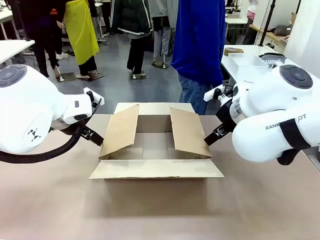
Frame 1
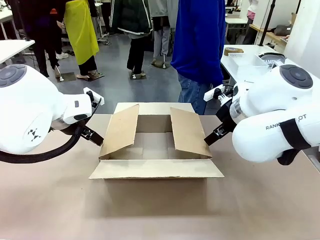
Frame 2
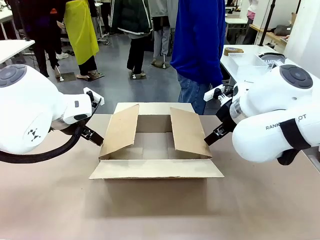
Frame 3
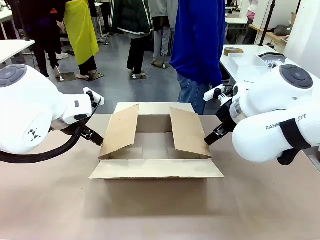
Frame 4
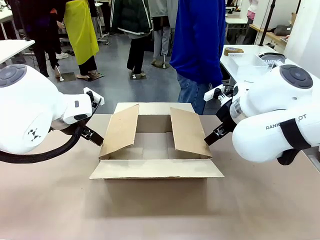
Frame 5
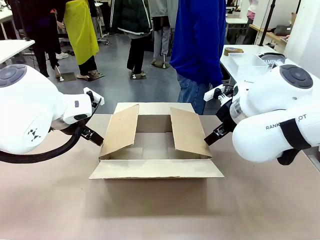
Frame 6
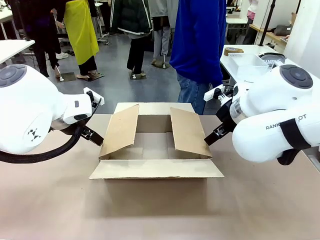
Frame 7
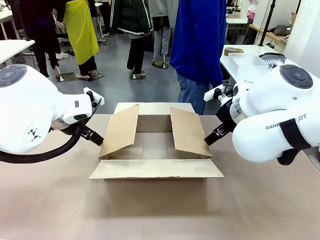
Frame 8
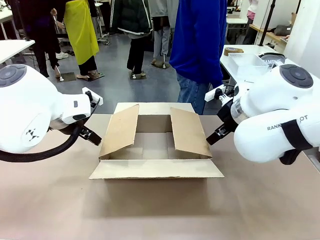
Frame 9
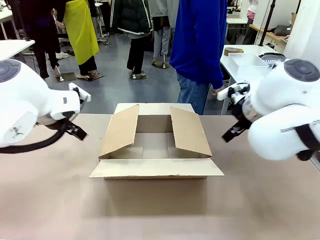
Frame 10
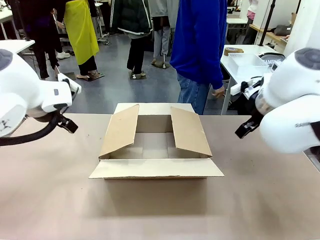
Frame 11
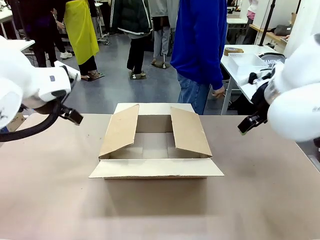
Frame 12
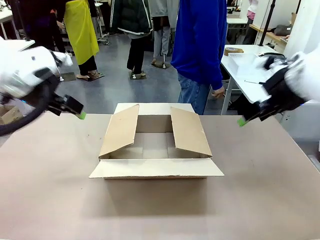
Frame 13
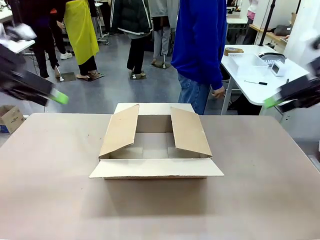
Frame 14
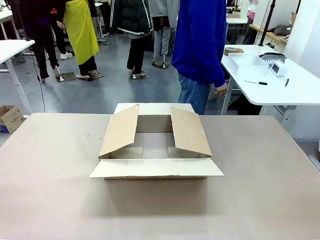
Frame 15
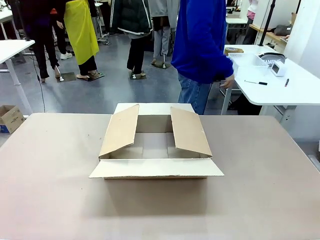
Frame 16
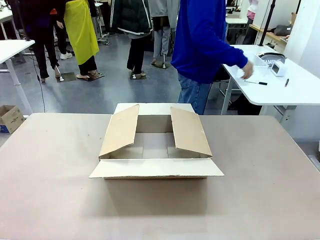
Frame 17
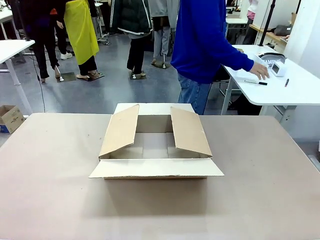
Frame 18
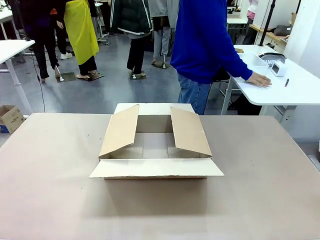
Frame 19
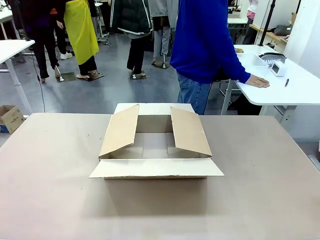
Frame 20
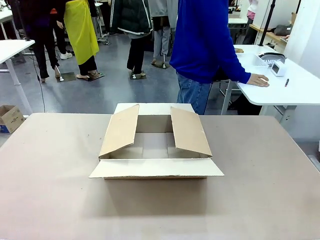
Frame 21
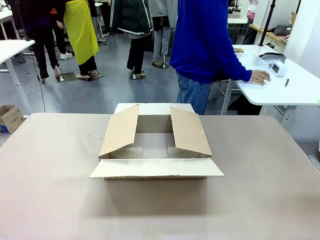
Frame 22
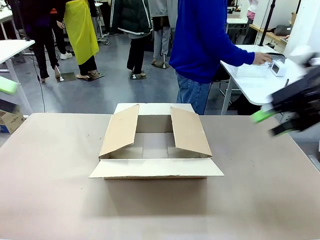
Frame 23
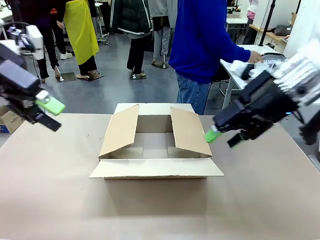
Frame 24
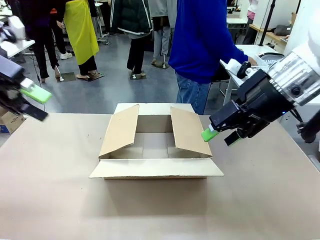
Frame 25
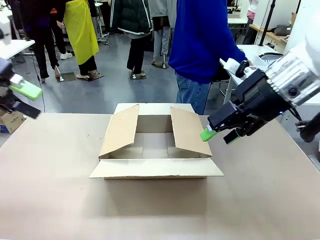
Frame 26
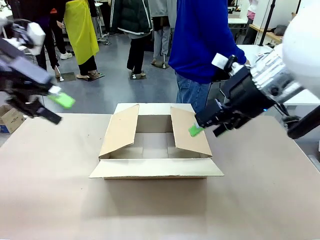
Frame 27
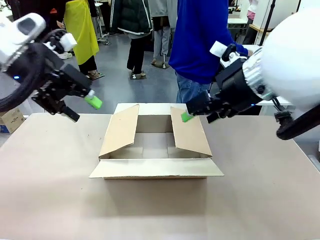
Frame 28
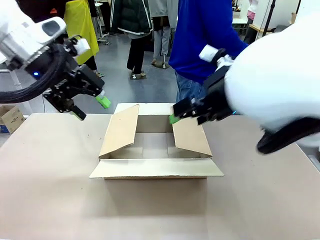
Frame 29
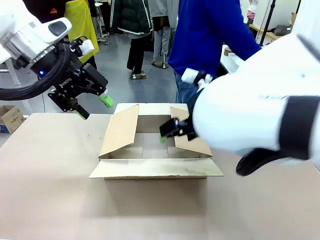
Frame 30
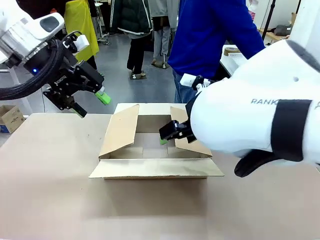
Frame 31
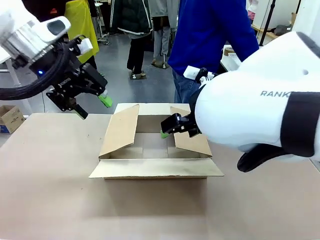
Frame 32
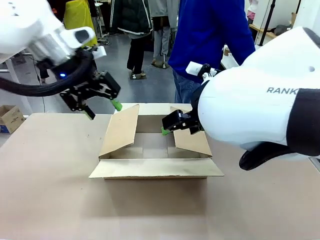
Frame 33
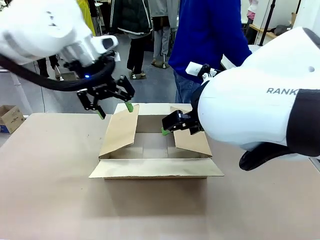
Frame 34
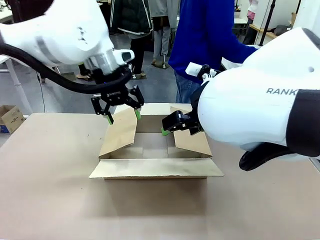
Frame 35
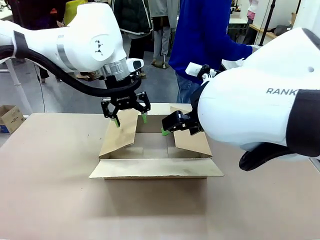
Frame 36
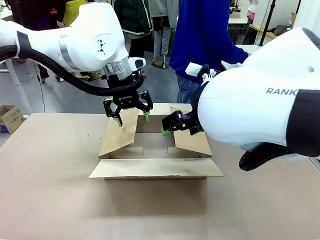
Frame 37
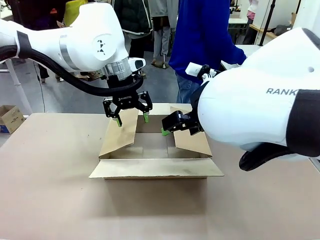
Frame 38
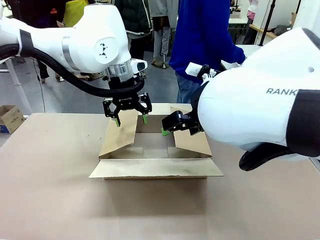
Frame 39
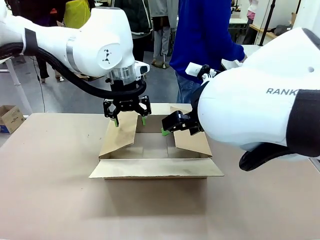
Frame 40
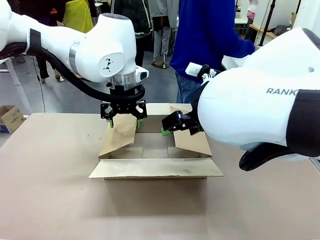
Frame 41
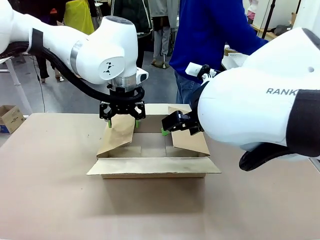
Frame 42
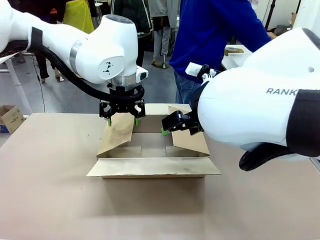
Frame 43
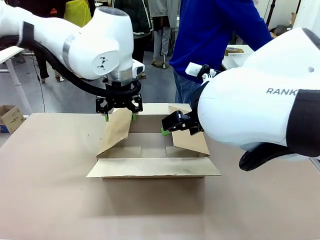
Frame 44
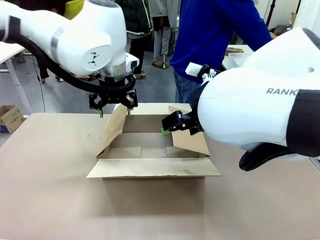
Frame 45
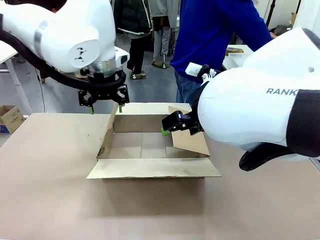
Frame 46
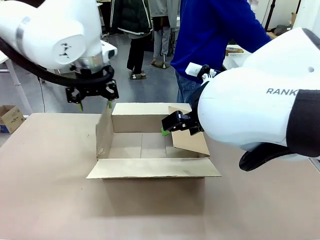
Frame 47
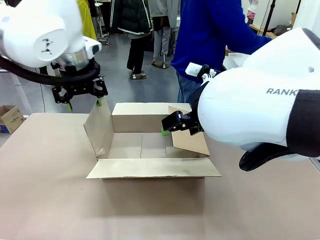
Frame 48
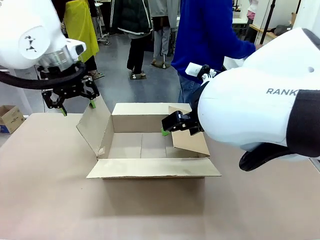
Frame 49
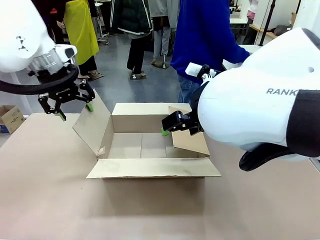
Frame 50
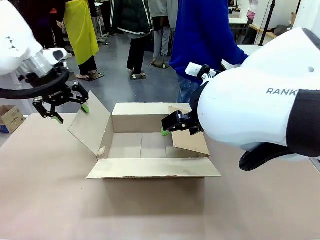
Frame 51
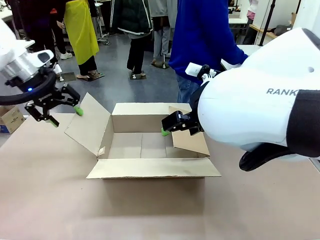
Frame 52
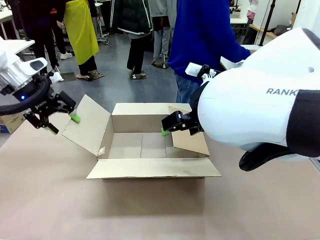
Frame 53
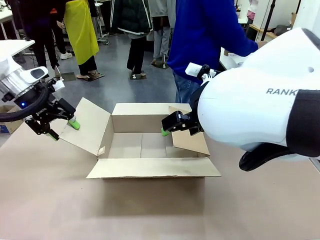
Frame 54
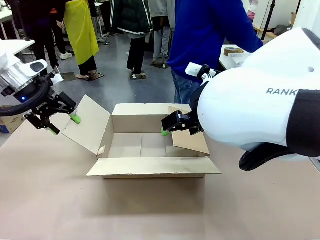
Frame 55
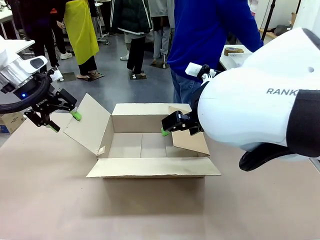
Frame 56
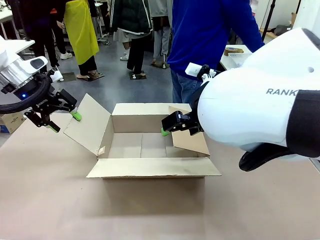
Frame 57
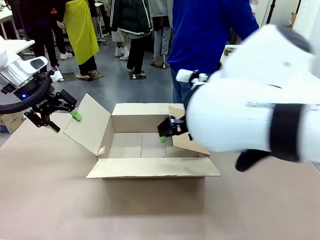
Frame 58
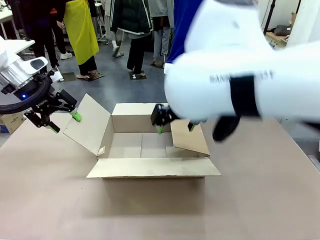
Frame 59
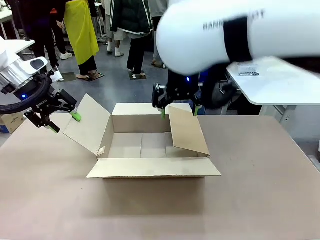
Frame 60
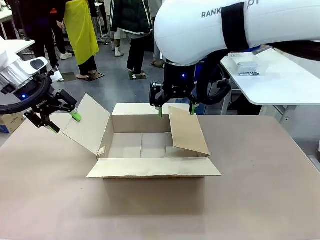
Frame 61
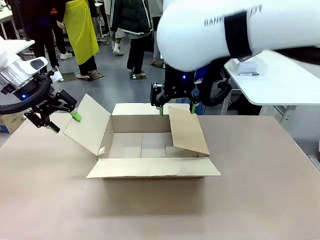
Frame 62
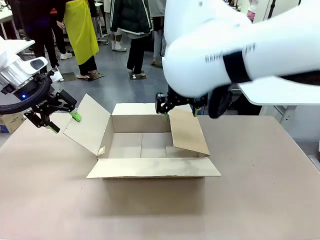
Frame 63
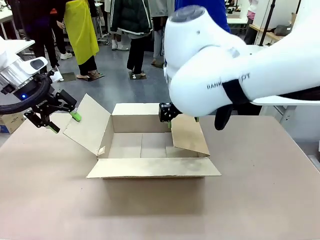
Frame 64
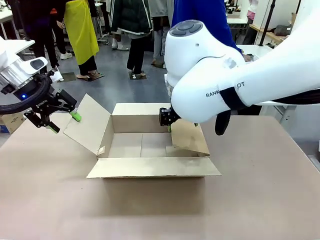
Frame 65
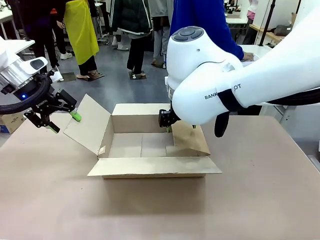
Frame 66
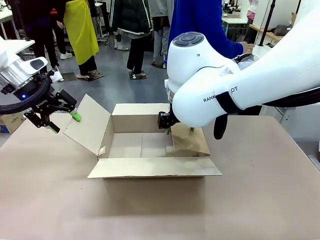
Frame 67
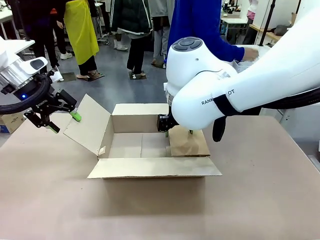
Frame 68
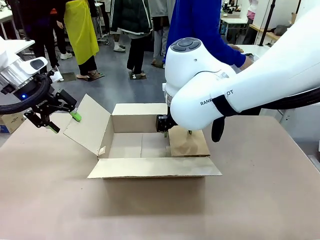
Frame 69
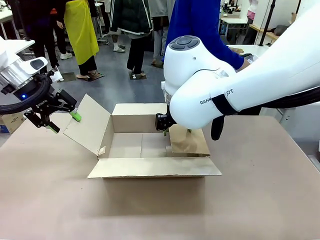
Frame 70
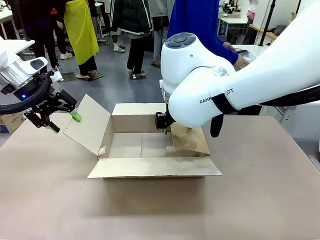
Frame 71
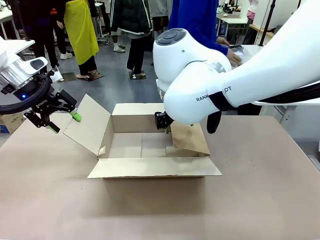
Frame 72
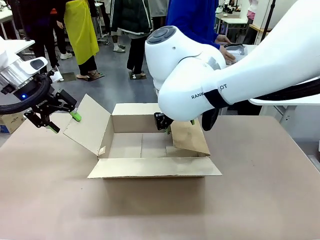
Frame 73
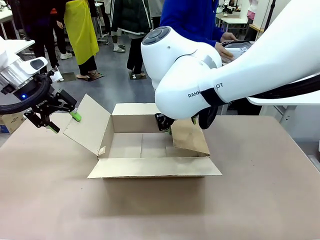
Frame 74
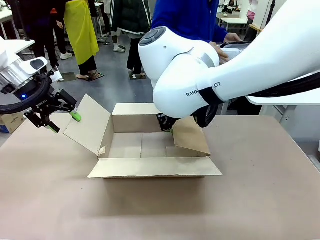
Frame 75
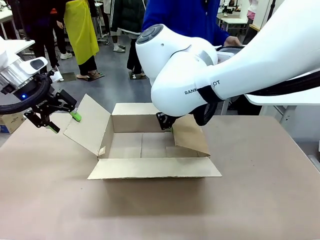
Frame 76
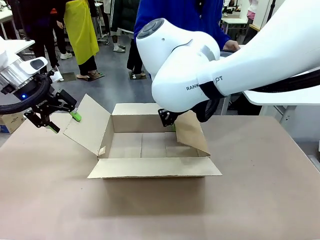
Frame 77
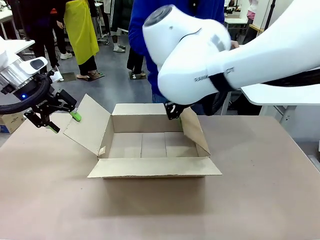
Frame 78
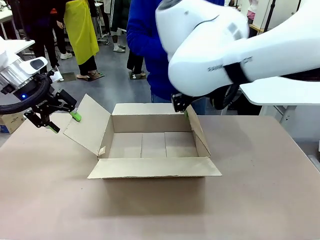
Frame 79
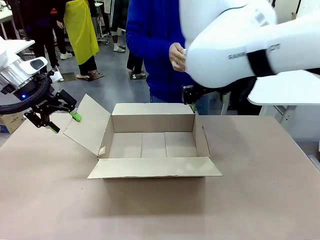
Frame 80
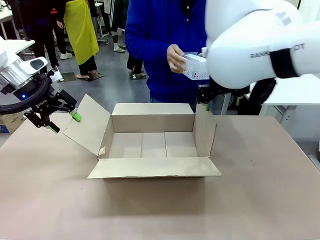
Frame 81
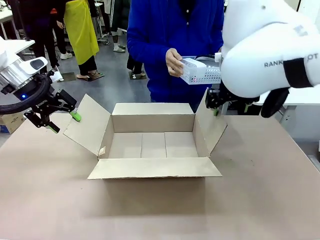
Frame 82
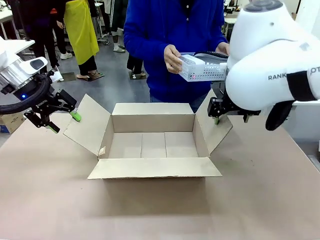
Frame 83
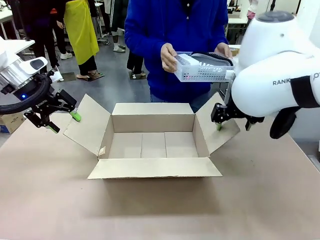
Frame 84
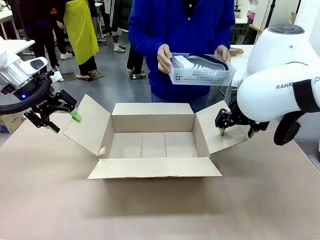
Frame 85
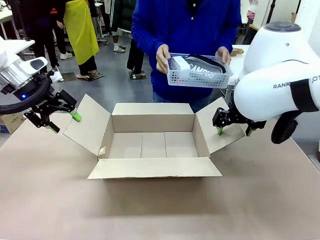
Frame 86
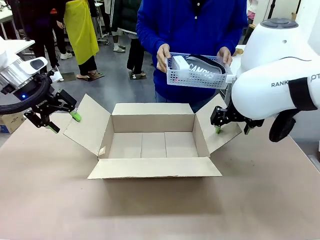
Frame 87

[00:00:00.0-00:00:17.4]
Task: Pack the gift set into the box.
Robot: Place both hands on the side flaps of the Package Box and spread them outward.
Person: The human places all items except the paper tape into the organizing basket.

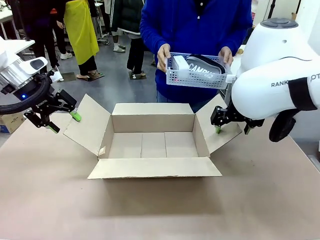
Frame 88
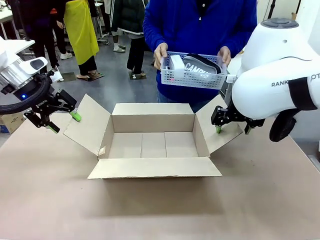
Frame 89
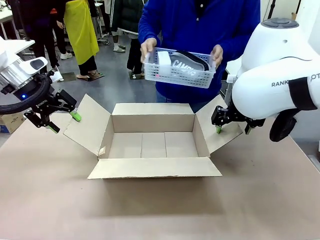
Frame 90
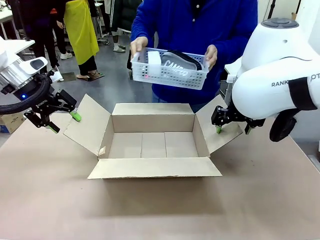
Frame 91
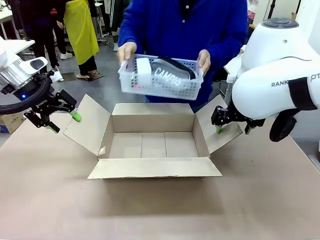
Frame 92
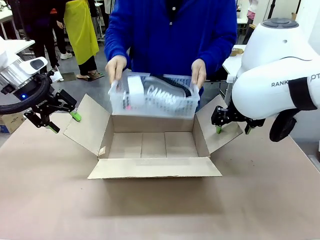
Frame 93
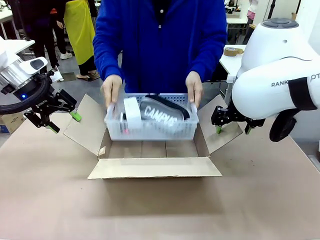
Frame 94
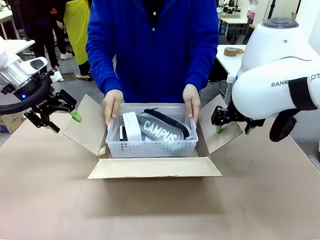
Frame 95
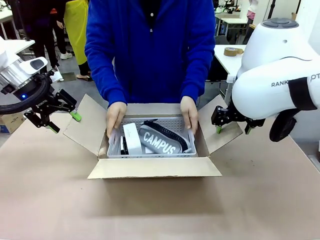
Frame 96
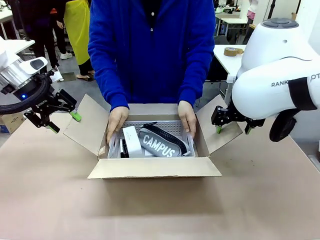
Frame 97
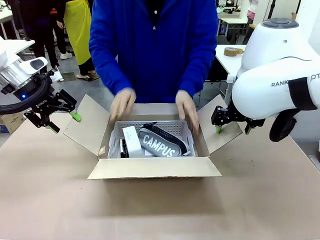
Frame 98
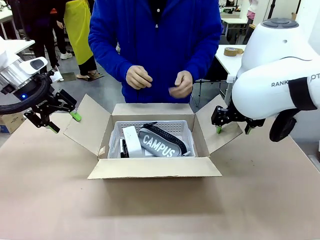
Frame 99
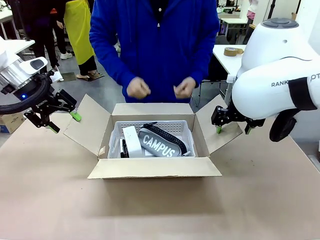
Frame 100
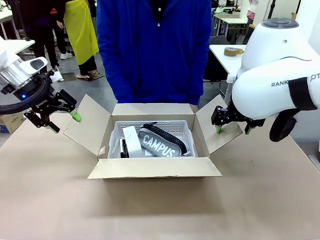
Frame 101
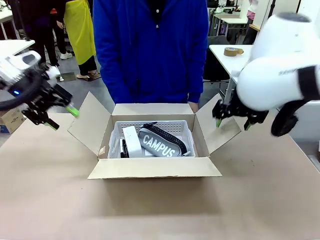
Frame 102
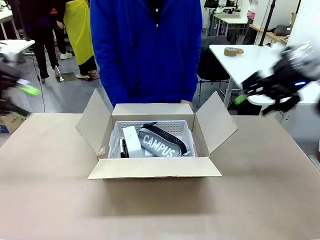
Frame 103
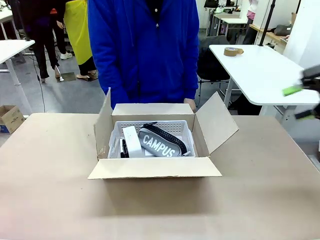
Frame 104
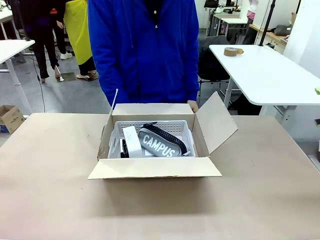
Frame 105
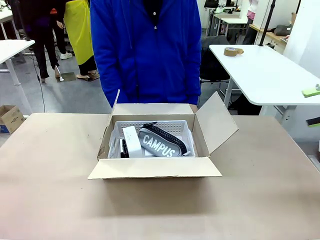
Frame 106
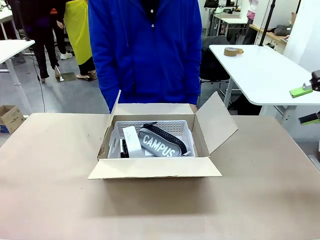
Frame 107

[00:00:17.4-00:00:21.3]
Robot: Lift both hands away from the flaps of the Package Box.
Person: The human picks up the organizing basket and places the organizing basket into the package box on the robot table.
